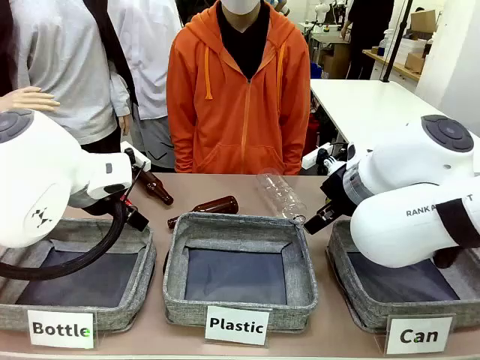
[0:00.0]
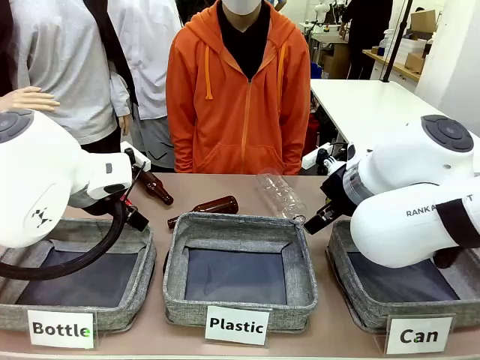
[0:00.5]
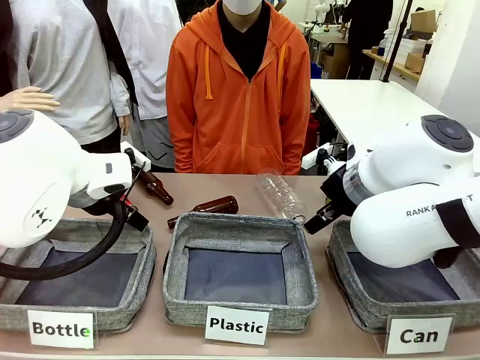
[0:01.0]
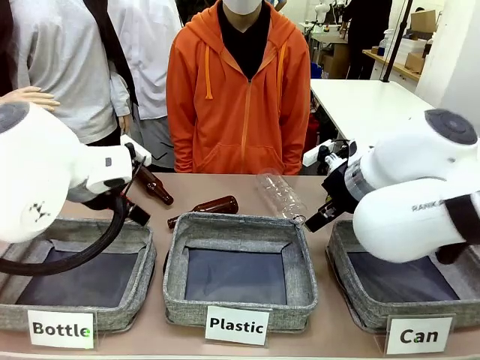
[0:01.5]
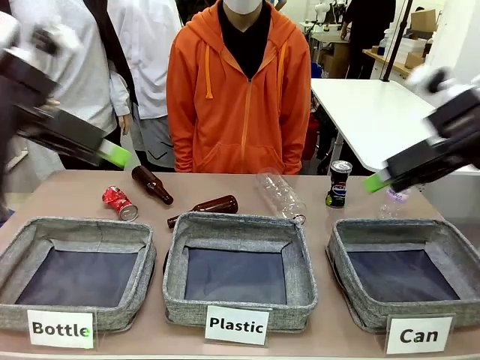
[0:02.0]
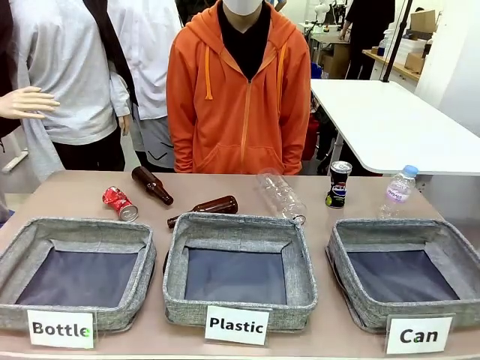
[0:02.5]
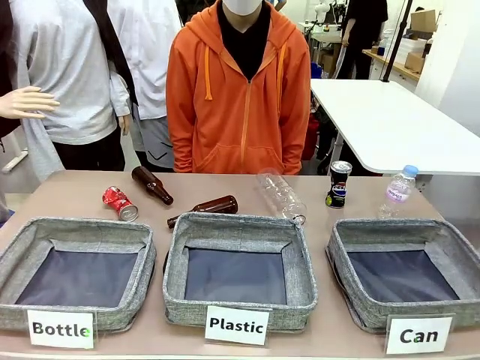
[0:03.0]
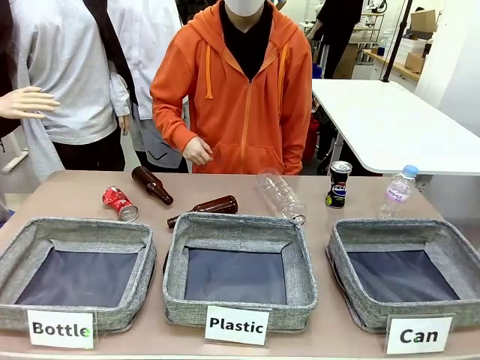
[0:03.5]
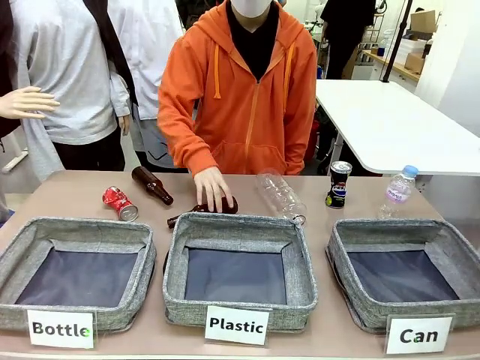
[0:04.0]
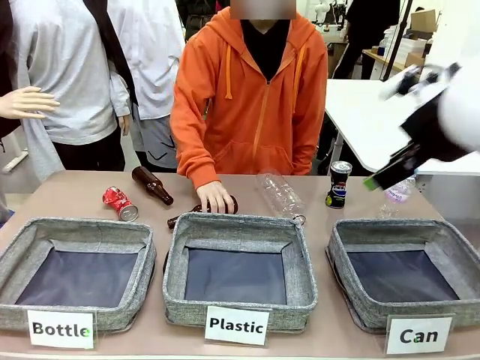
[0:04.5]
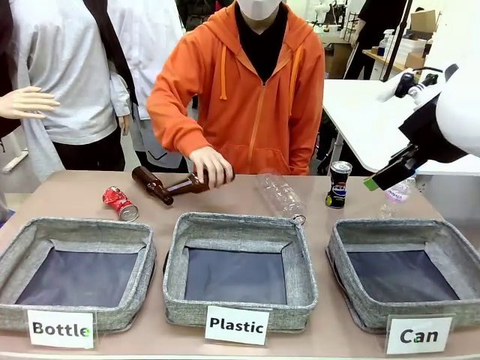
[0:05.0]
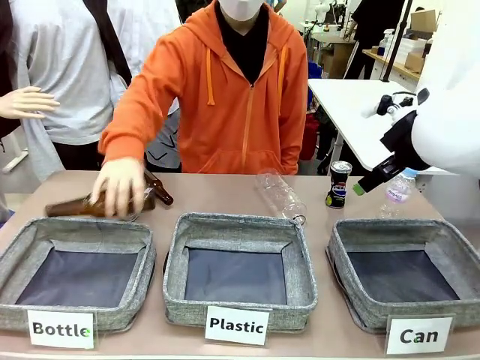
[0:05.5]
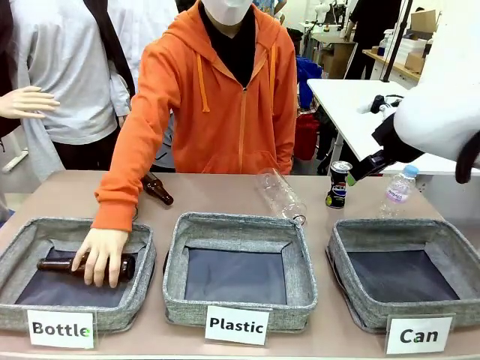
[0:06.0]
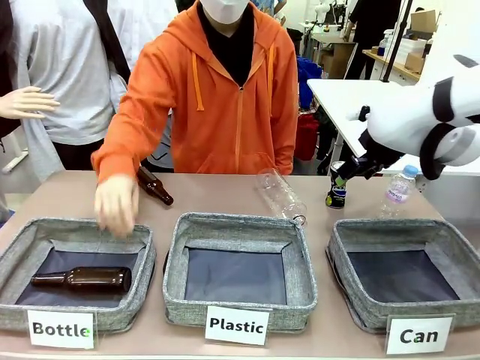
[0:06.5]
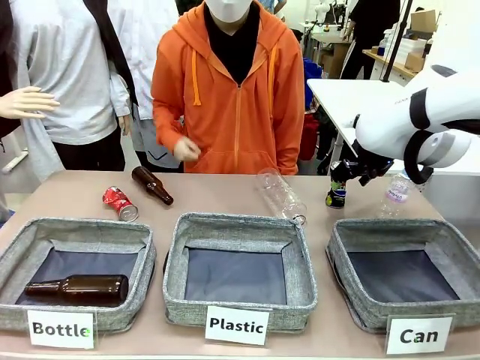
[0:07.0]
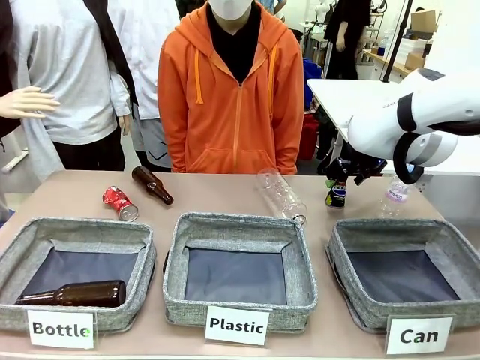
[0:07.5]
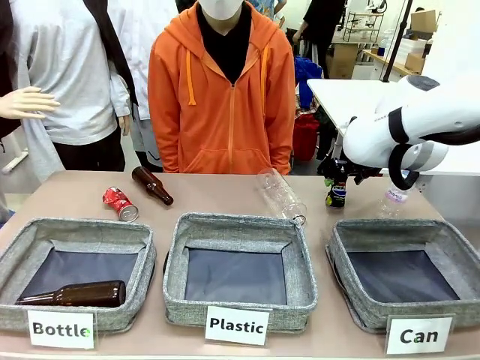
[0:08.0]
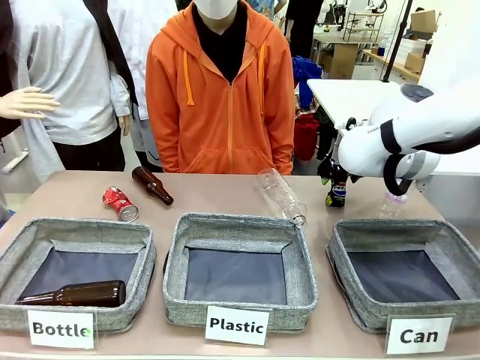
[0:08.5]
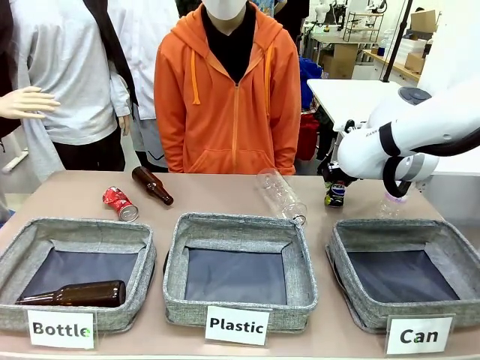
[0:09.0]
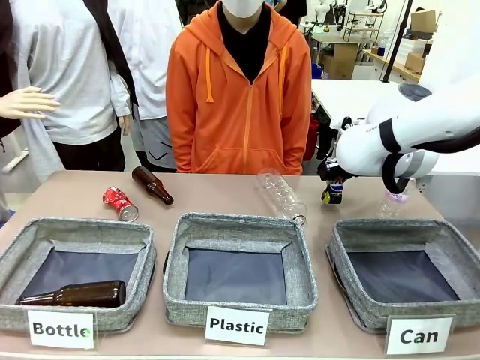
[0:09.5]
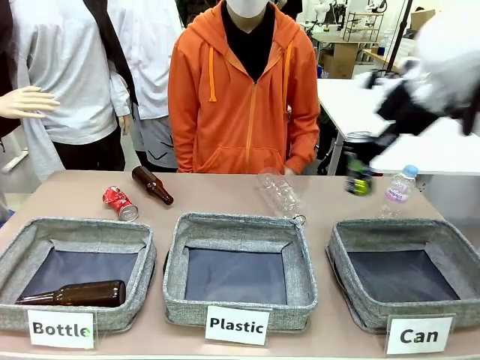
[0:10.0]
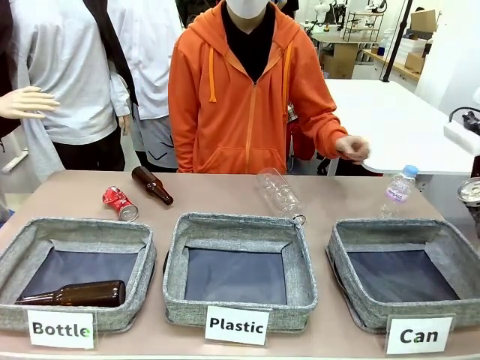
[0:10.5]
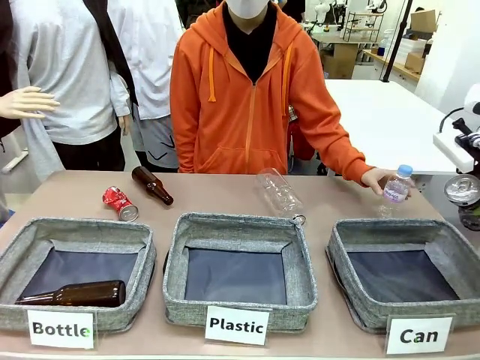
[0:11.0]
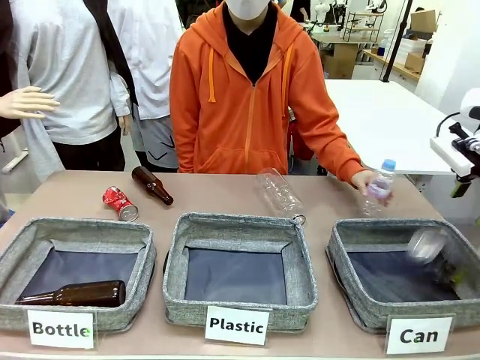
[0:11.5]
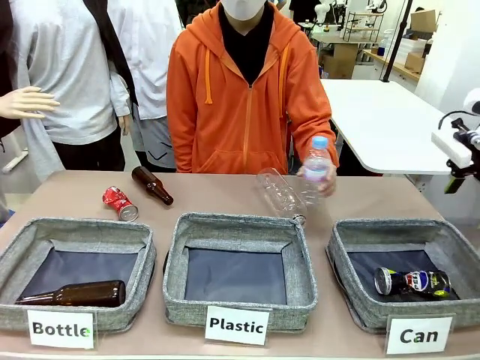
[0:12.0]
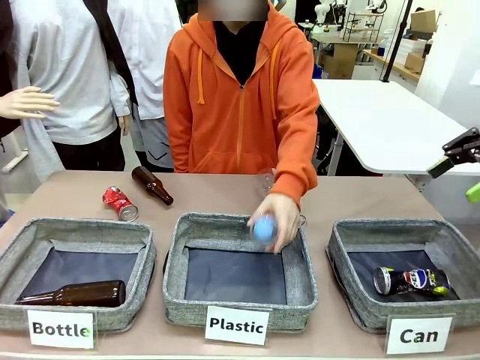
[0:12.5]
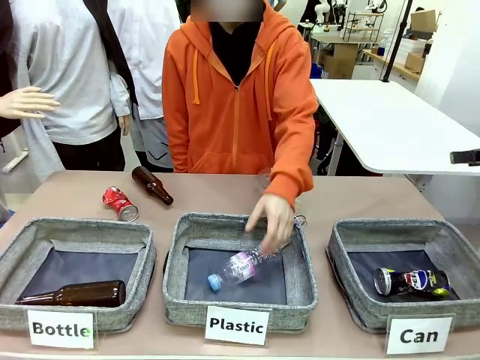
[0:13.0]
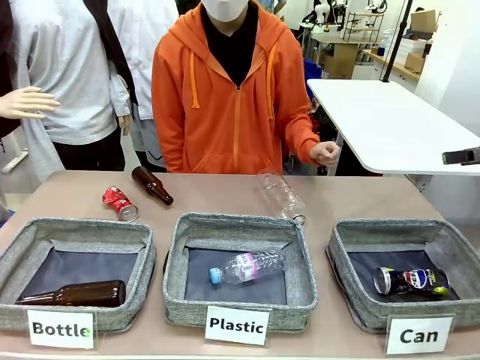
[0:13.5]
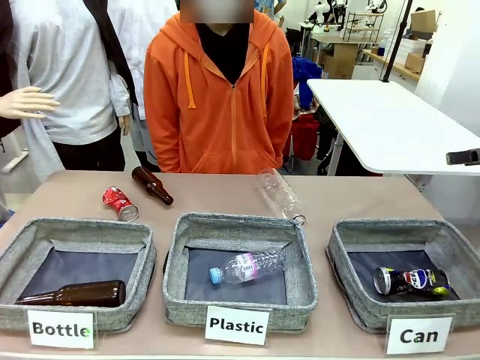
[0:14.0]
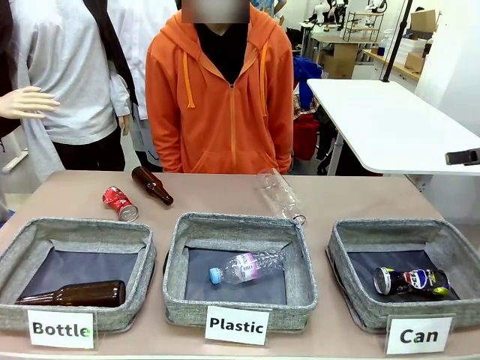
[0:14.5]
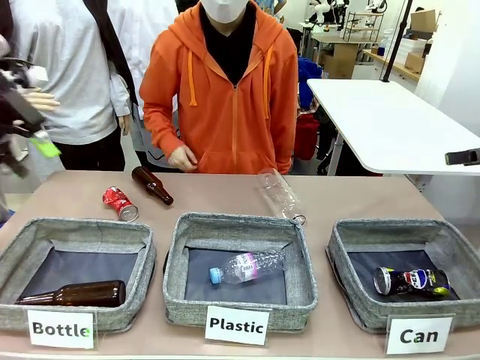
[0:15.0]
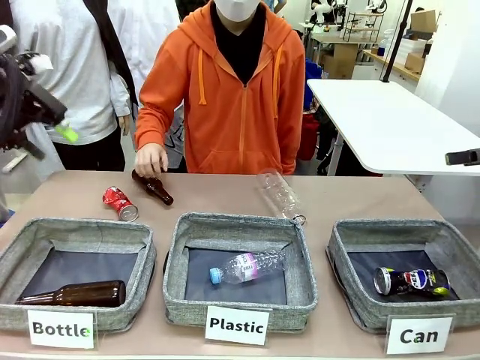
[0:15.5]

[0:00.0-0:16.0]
Task: Sort the can waste into the basket.
Robot: Pick up the can waste from the table and place it in the right Fabric basket.

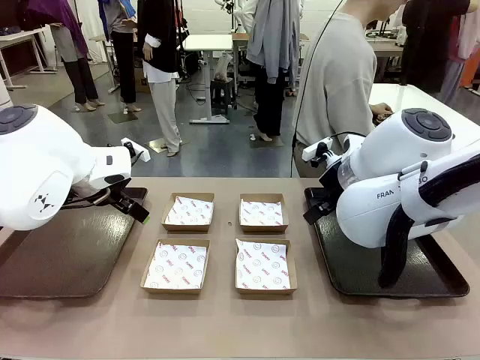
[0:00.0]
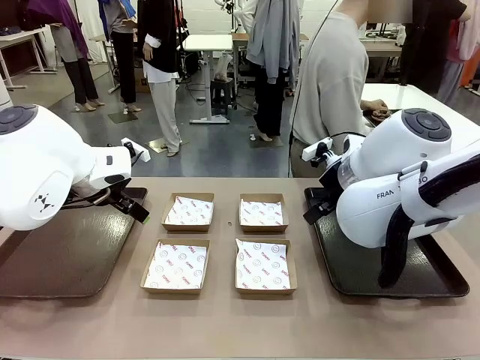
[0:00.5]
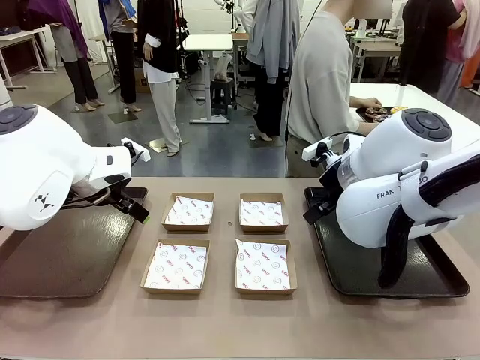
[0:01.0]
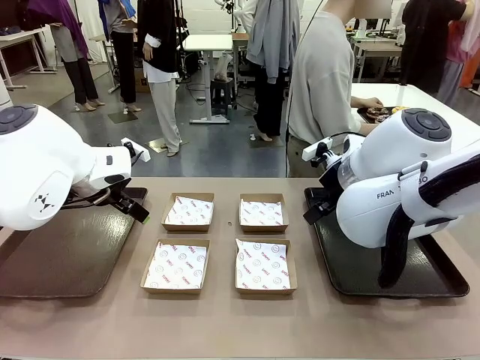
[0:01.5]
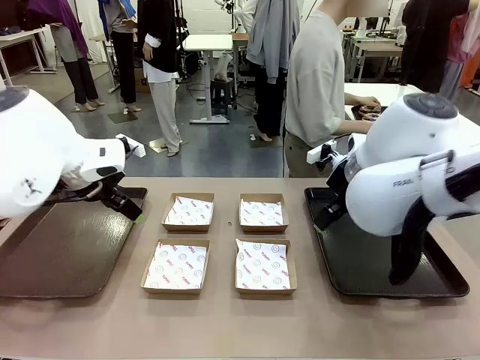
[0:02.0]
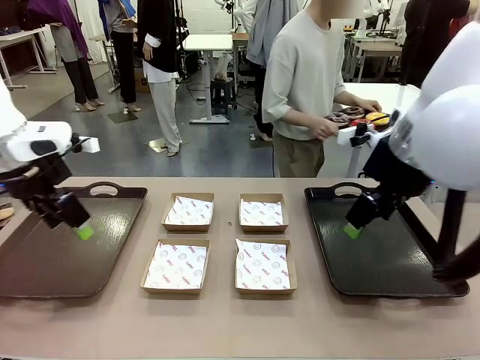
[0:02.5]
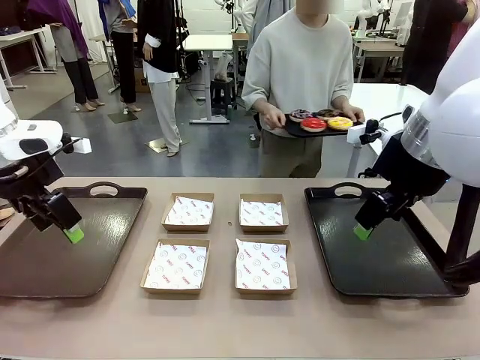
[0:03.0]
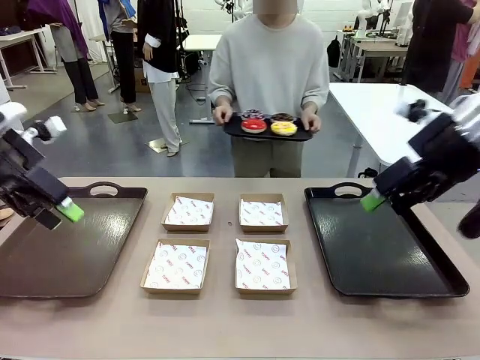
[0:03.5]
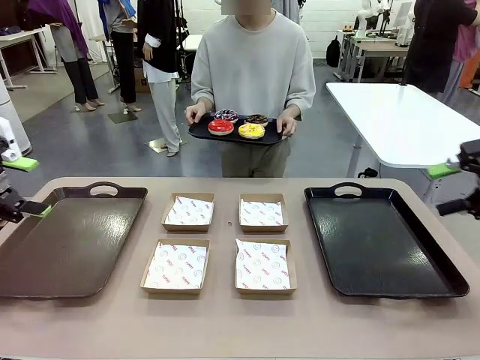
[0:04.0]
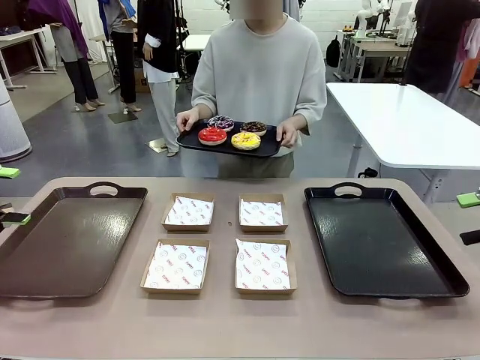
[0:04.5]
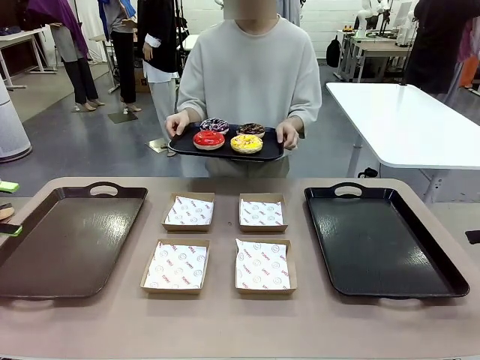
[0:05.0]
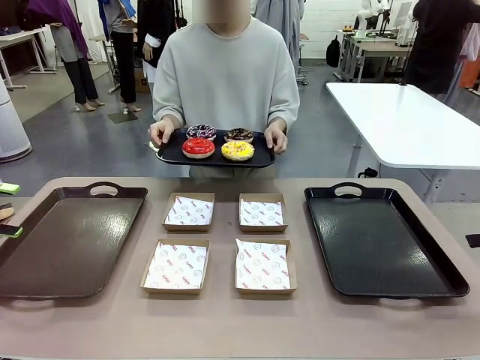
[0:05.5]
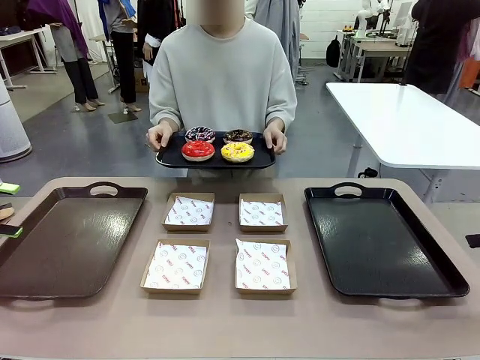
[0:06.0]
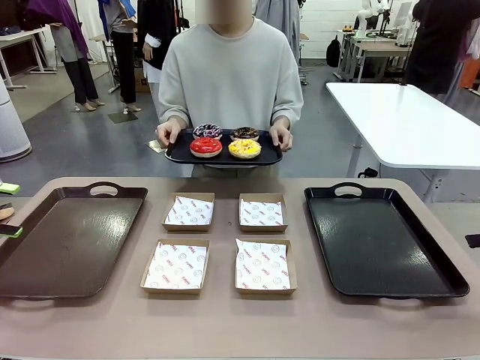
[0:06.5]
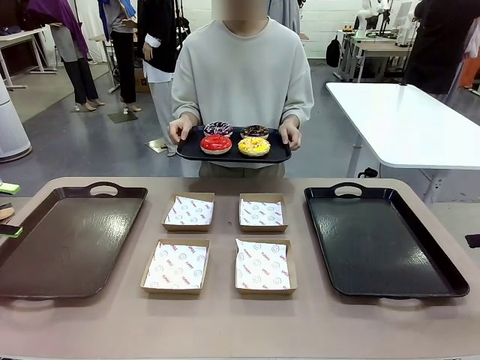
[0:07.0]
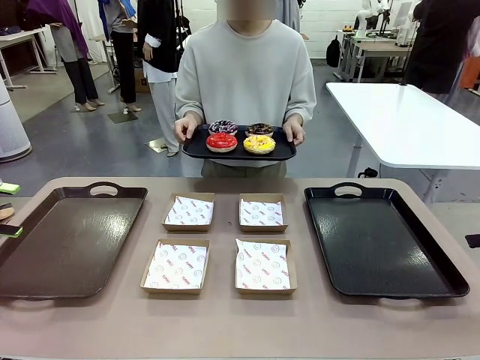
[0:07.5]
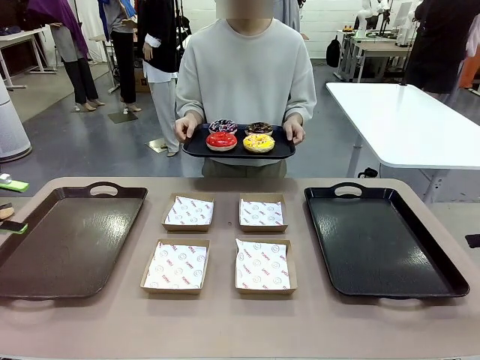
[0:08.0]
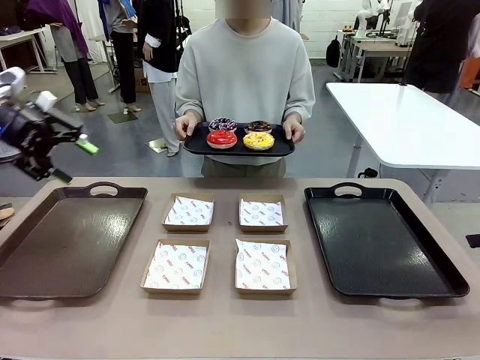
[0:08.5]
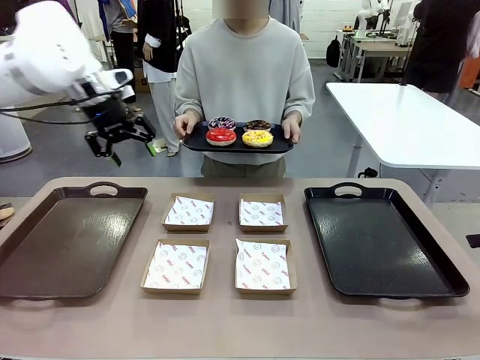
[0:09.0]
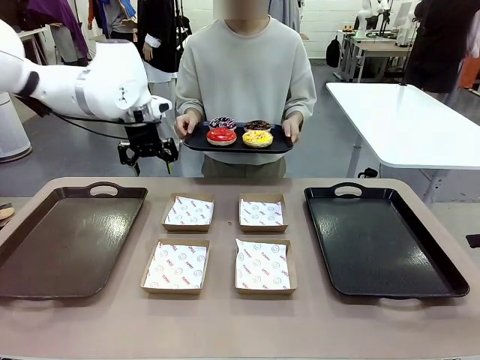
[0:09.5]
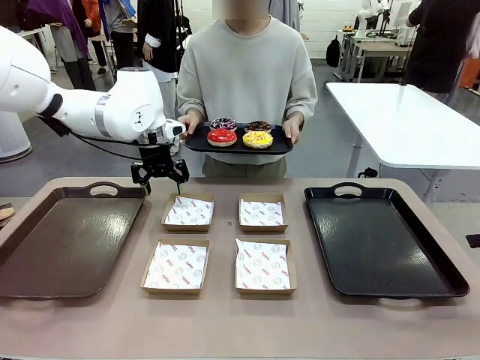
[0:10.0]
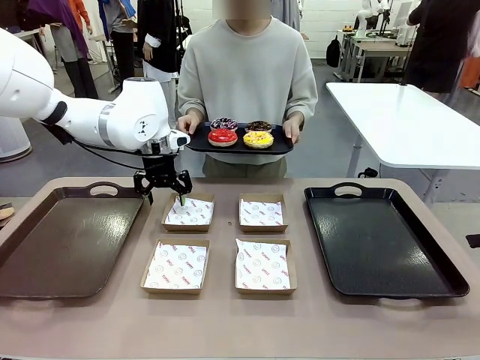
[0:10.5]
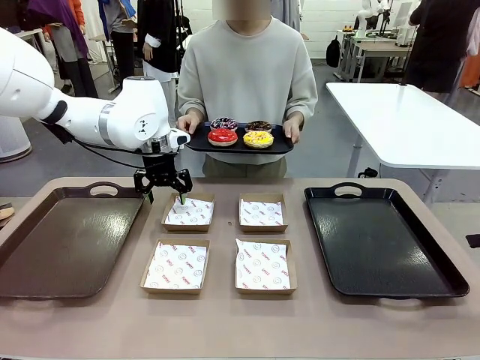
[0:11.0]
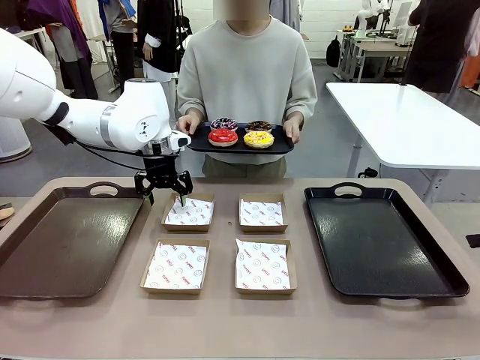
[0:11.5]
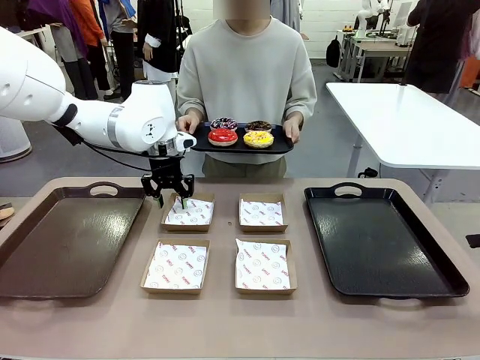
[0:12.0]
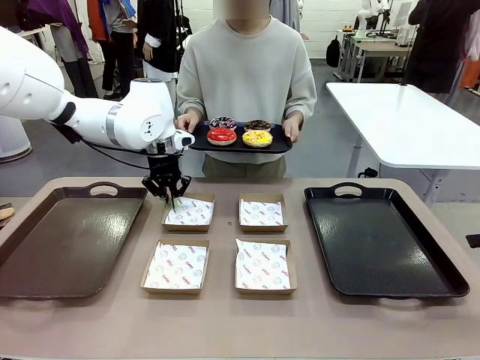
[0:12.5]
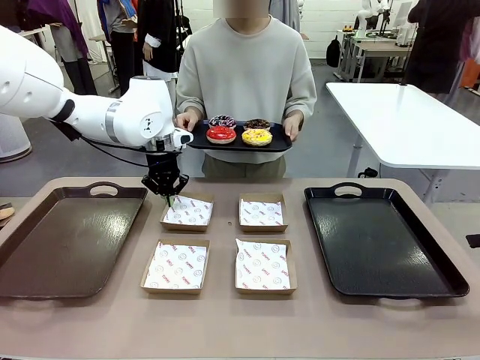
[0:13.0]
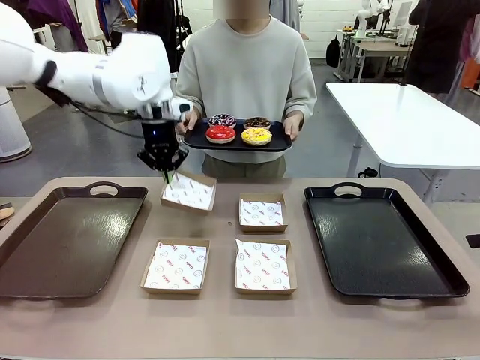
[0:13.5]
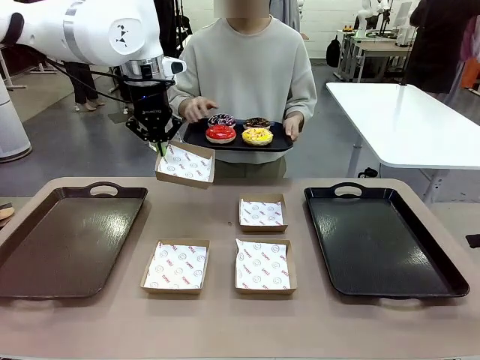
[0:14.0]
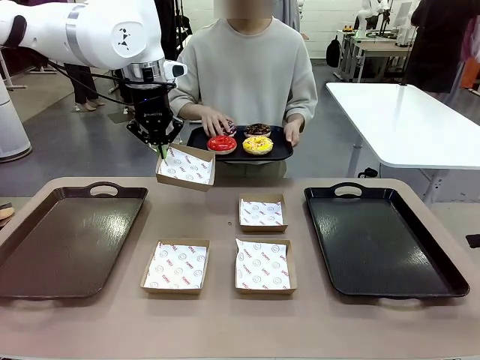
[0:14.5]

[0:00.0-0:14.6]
Task: Individually package the donuts and arrange them on the tray.
Robot: Pick up one Paper togo box.
Person: Stand in front of the robot table holding the tray containing the donuts.
